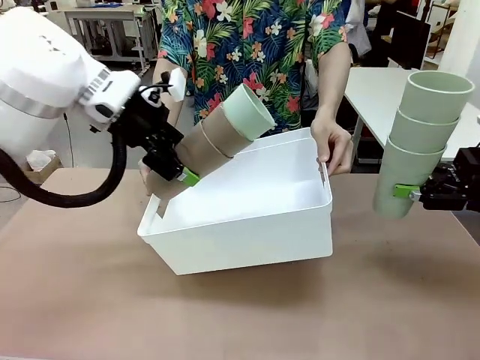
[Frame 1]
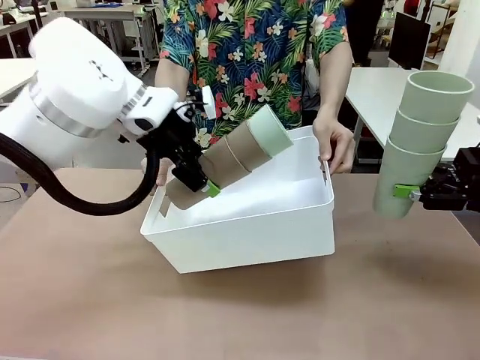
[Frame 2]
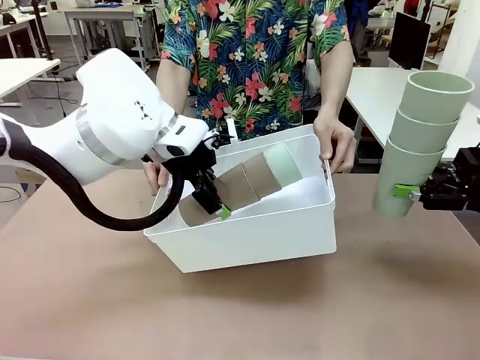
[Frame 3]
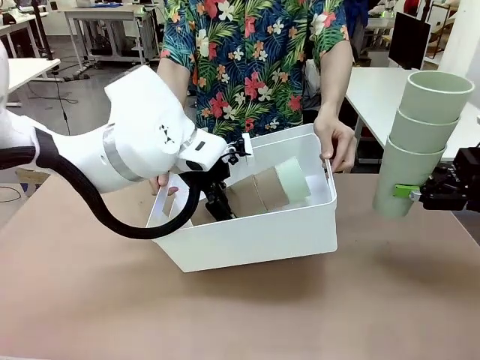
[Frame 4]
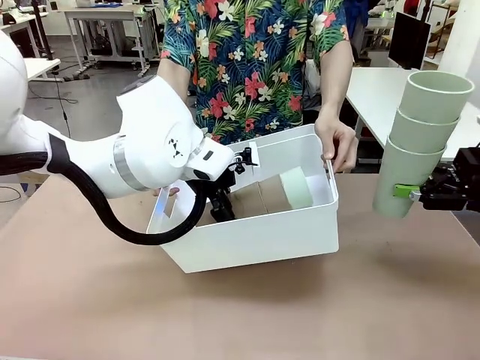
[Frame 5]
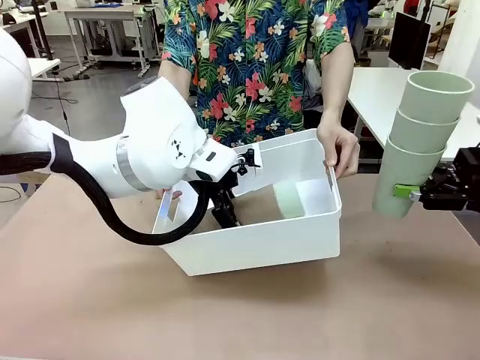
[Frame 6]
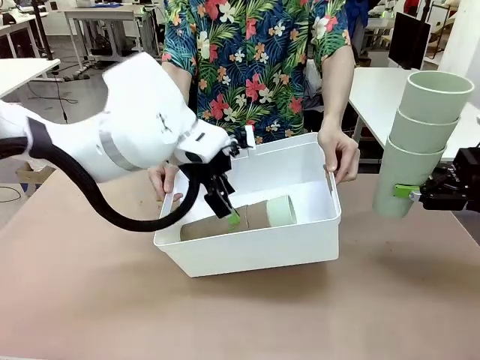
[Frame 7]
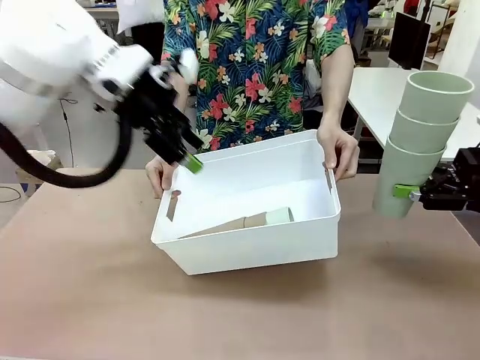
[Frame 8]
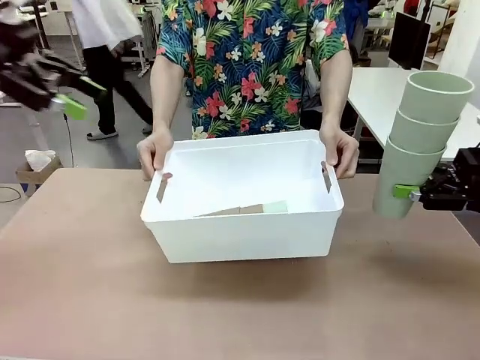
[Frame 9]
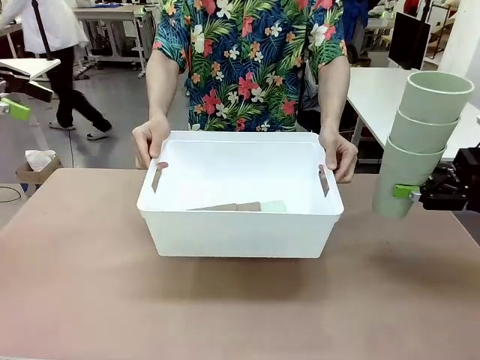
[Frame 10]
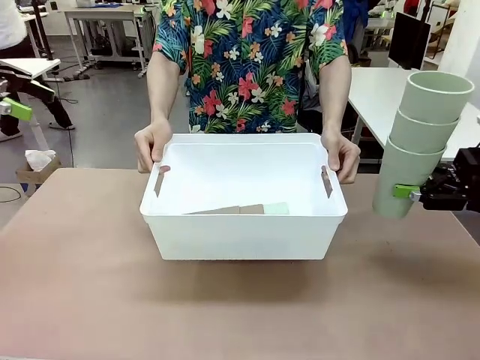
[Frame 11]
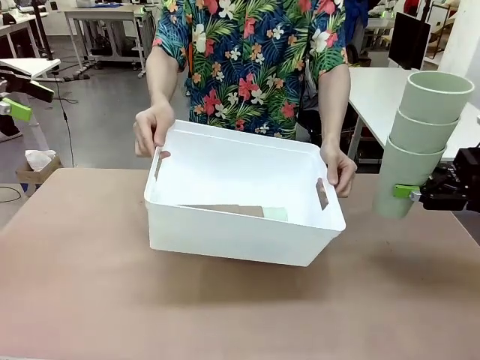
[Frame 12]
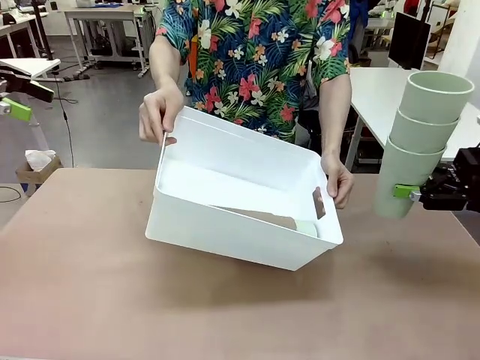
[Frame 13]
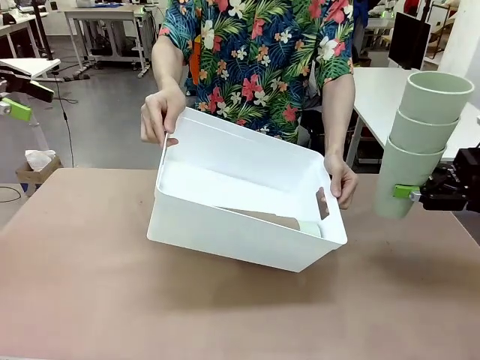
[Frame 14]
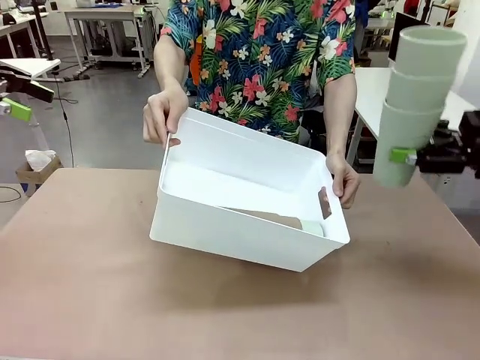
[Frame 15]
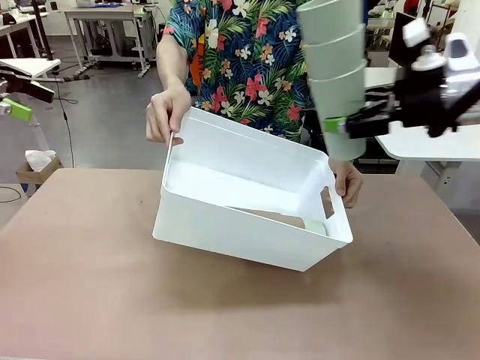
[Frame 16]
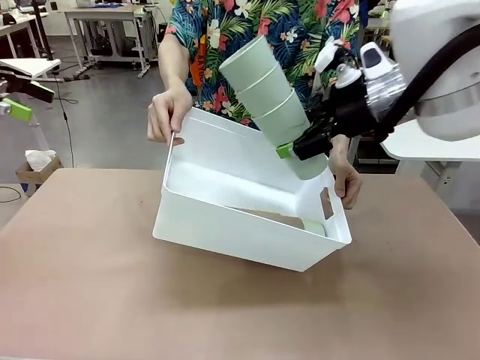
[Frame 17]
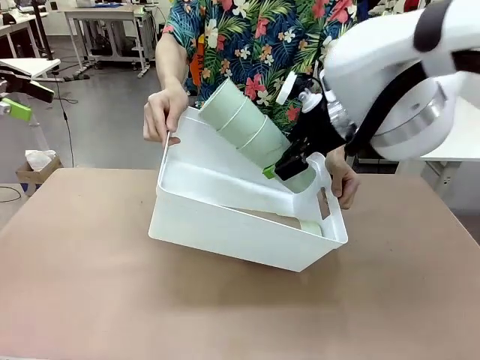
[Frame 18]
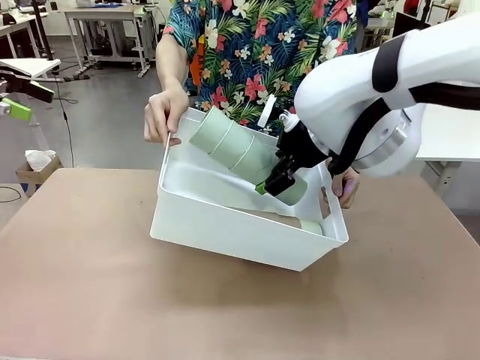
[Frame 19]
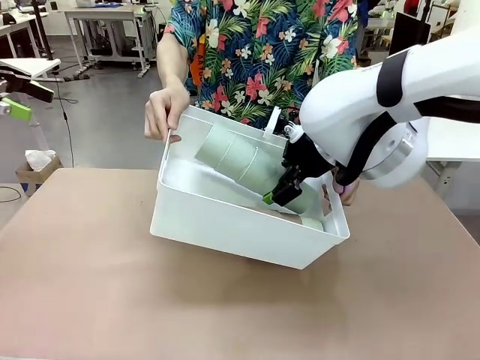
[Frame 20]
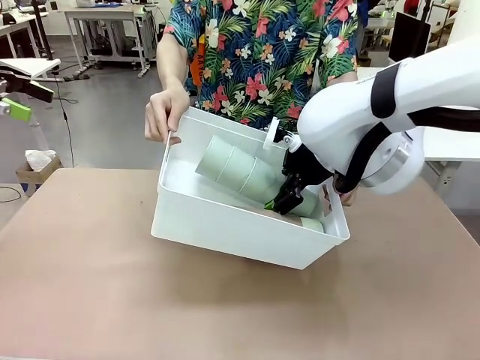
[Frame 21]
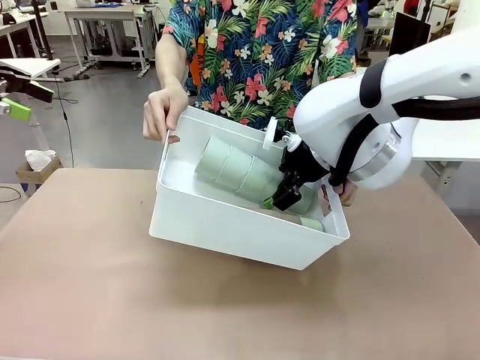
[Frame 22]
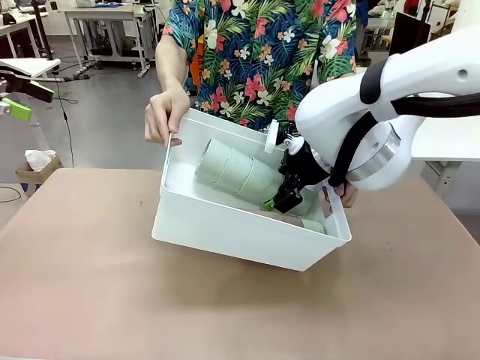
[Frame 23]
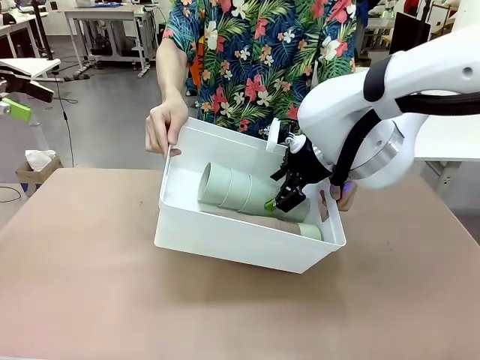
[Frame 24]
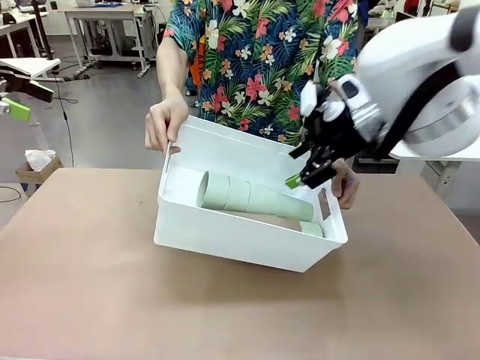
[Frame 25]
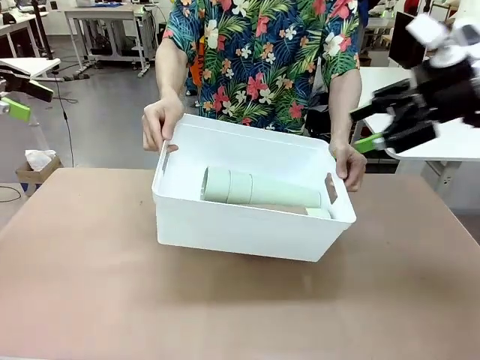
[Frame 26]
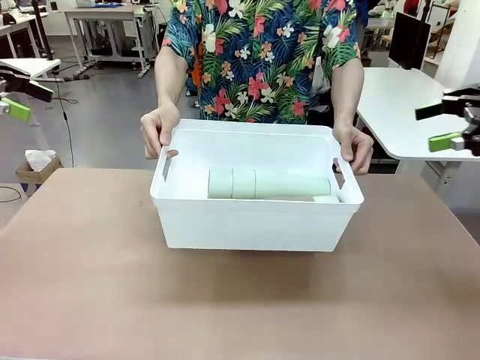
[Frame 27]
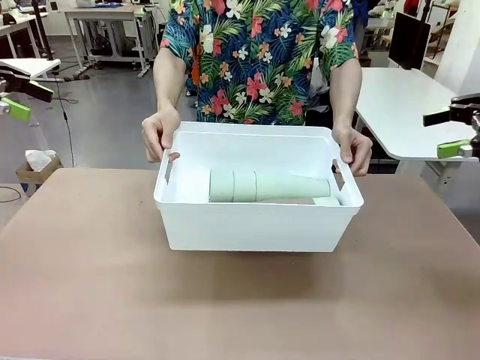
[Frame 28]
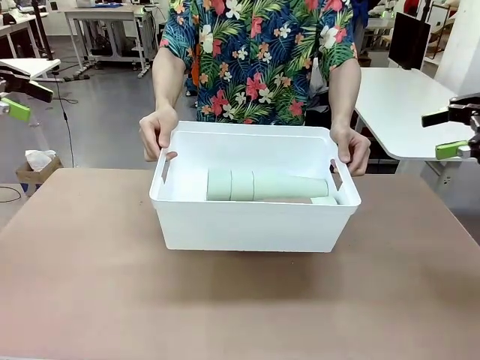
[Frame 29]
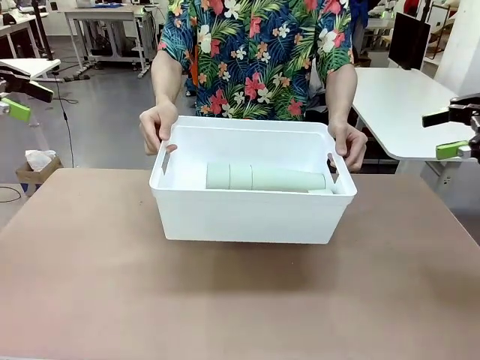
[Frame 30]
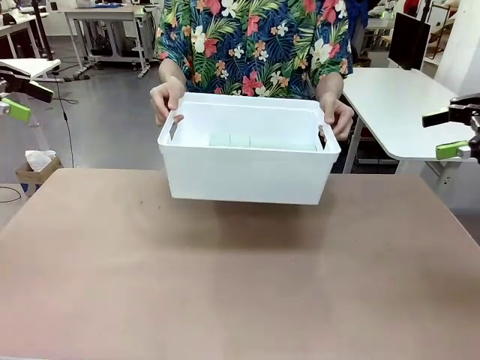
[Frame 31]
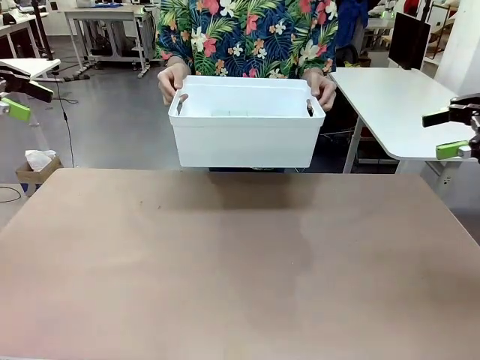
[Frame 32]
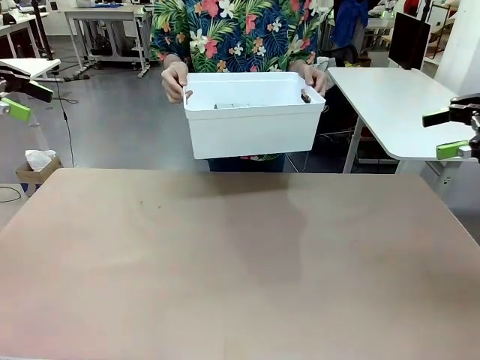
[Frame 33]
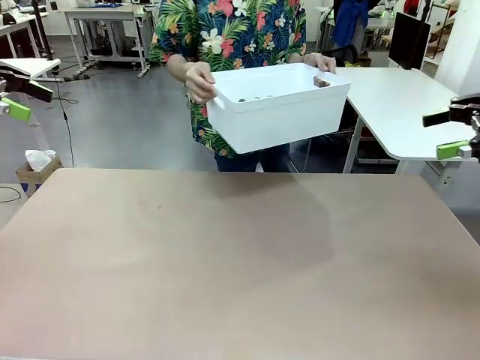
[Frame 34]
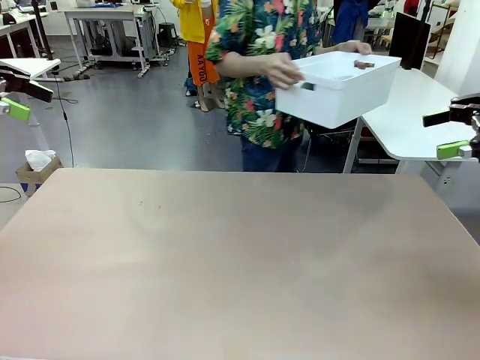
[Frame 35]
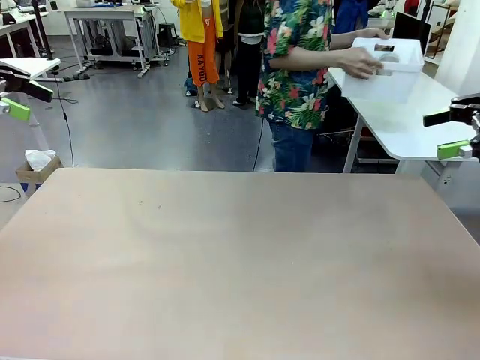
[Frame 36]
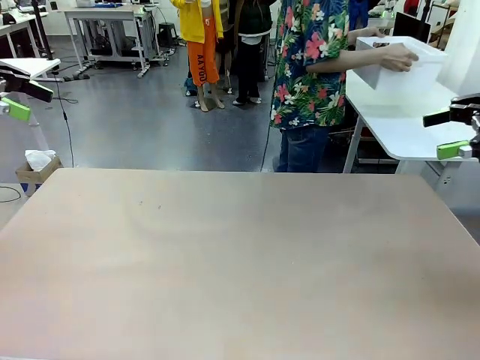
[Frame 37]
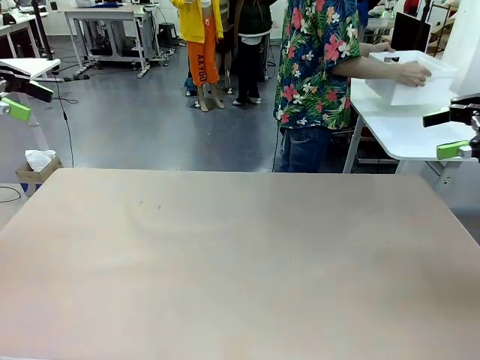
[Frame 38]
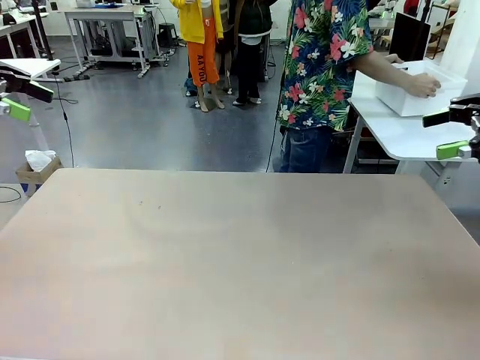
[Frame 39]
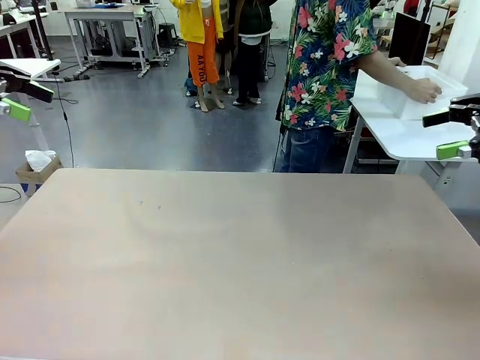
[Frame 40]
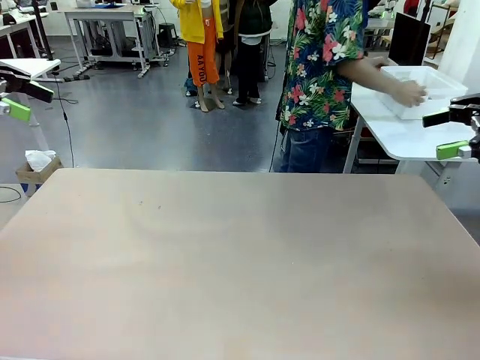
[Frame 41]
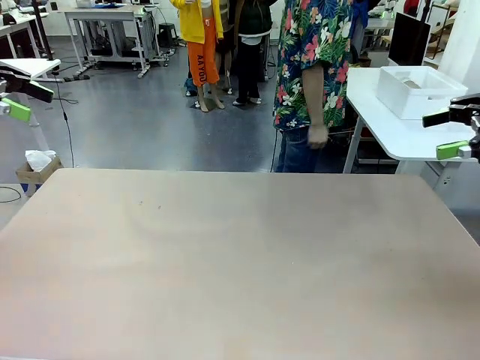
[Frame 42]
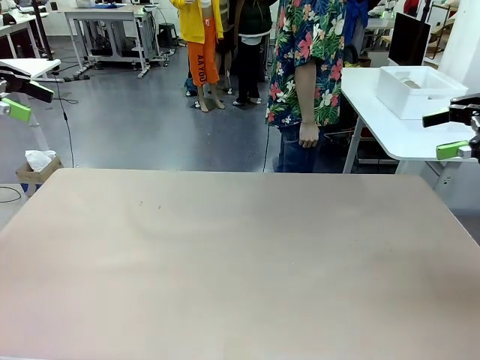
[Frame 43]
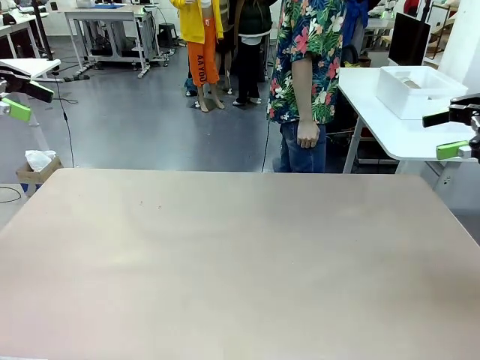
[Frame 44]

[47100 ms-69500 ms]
Task: Stack the cups and store them in the basket.
Robot: Place the stack of Reusable plastic cups into the Pantry Basket.
Person: Place the basket containing the cups in the middle of the Human Table.

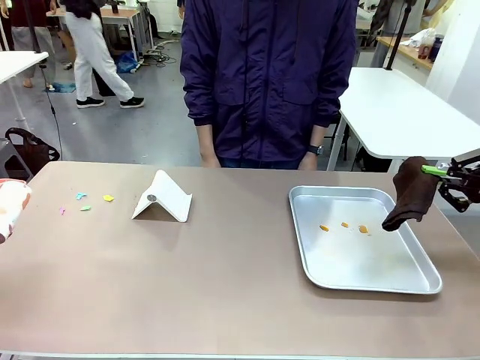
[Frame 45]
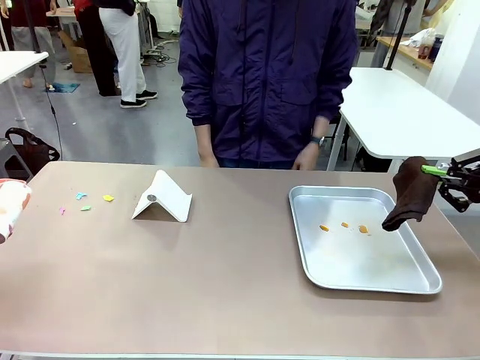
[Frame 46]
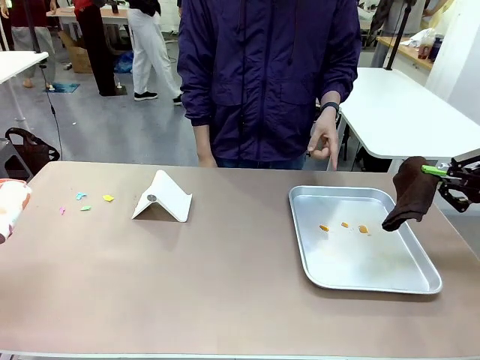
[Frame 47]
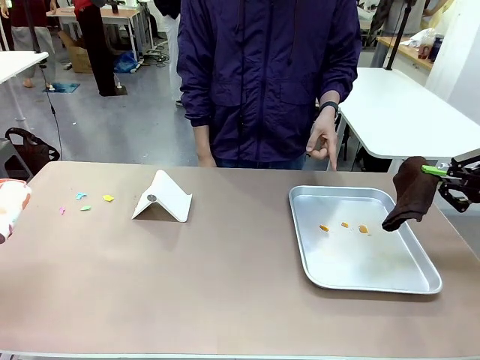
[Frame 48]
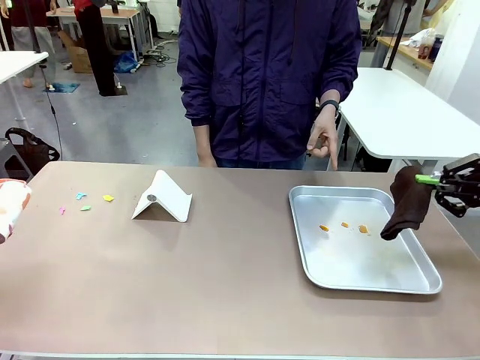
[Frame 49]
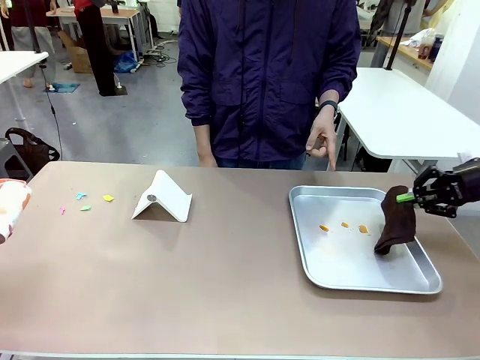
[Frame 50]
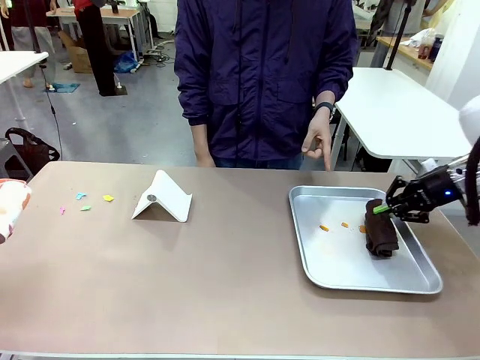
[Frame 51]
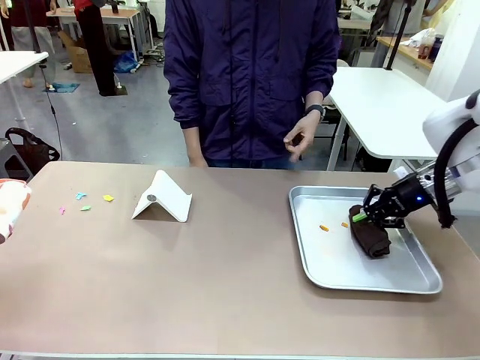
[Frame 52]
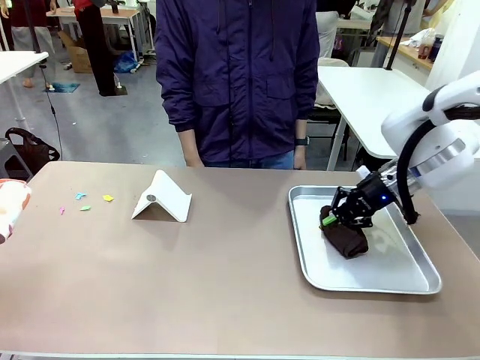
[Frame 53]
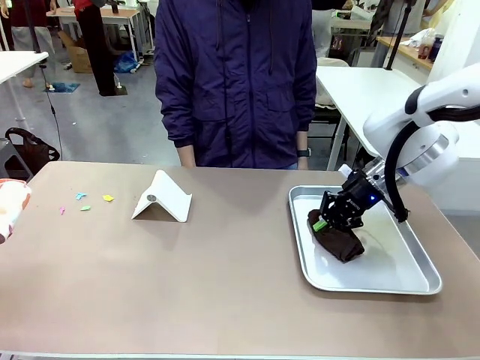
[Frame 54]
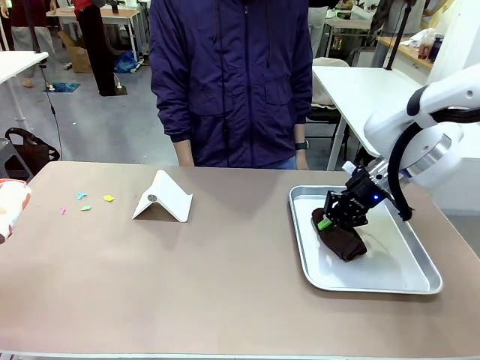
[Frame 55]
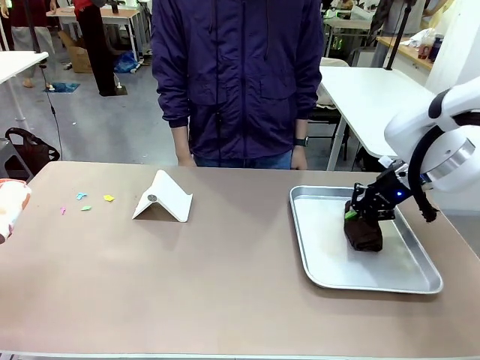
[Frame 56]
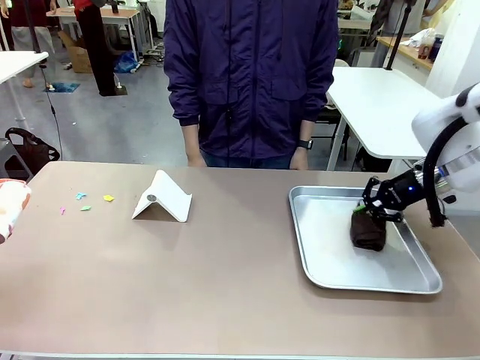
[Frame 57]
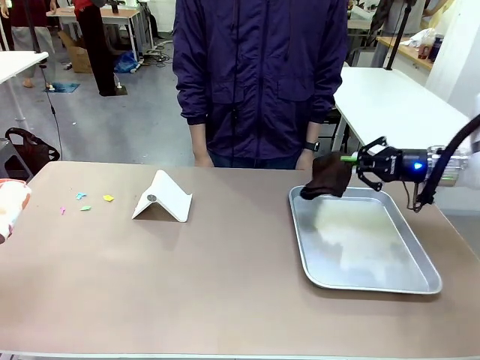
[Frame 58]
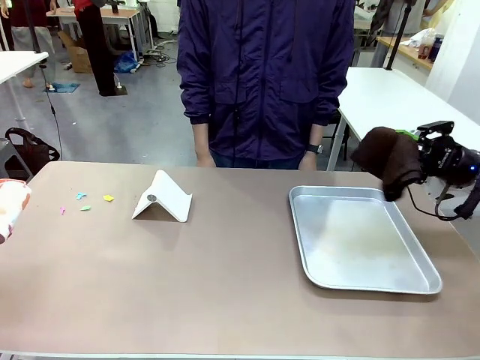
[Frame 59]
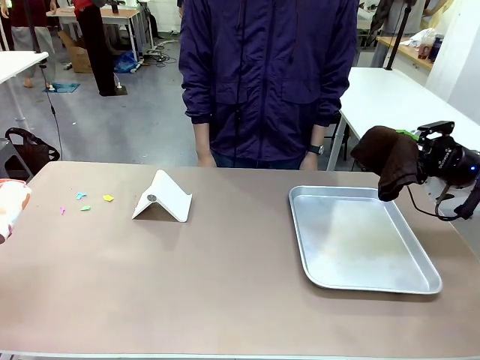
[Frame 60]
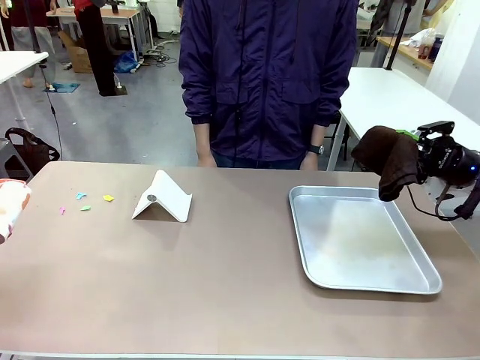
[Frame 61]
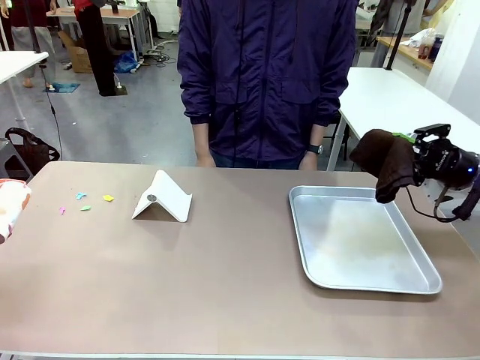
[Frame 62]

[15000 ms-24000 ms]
Task: Clean the surface of the table.
Robot: If a person points to the right, clean the right side of the table with your right hand, and if they point to the left, clean the left side with your left hand.
